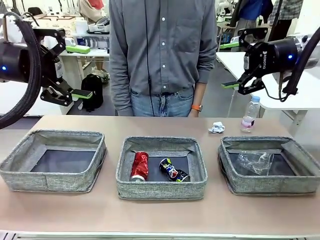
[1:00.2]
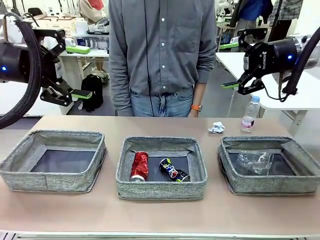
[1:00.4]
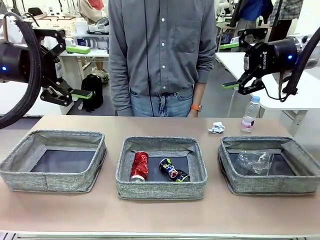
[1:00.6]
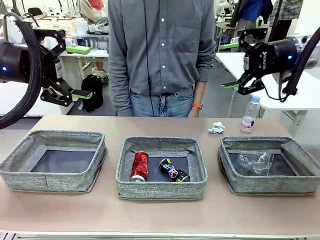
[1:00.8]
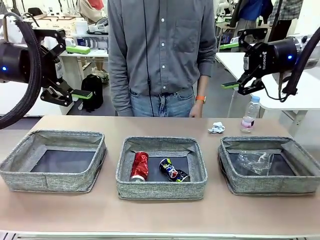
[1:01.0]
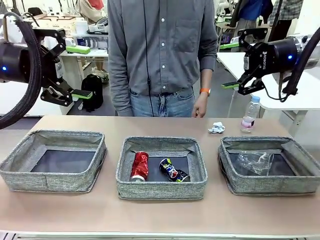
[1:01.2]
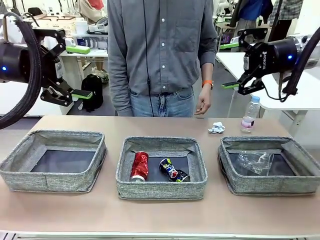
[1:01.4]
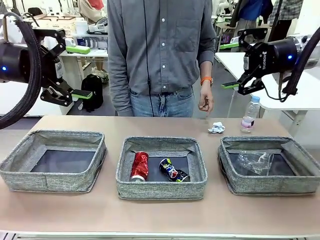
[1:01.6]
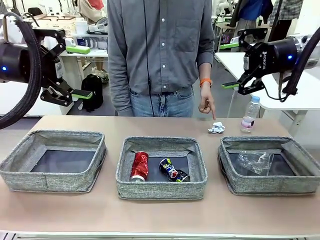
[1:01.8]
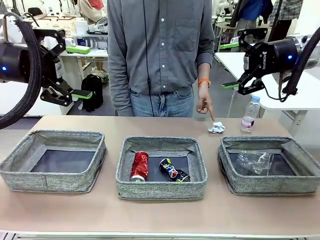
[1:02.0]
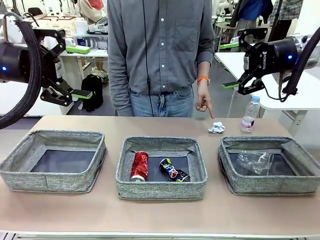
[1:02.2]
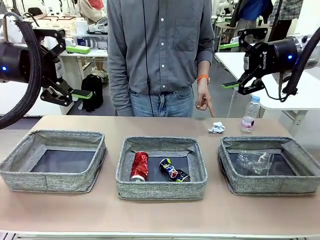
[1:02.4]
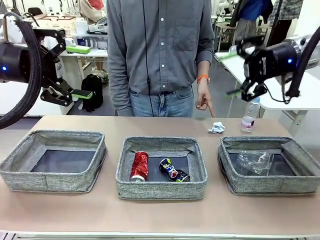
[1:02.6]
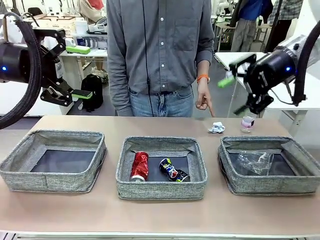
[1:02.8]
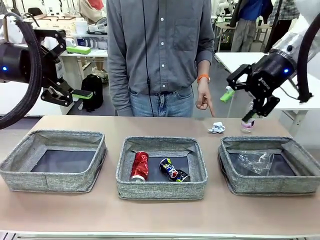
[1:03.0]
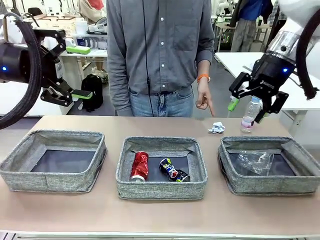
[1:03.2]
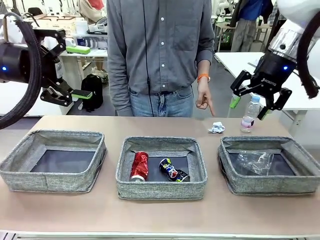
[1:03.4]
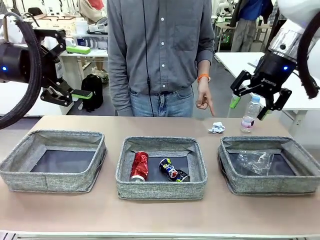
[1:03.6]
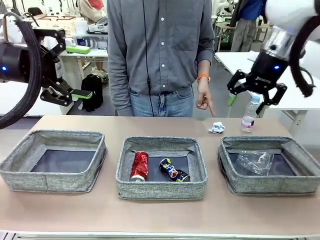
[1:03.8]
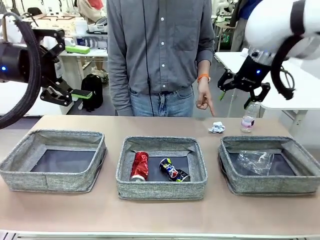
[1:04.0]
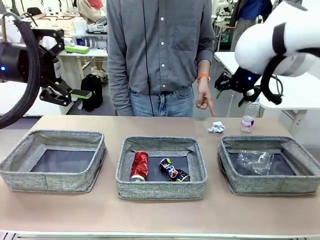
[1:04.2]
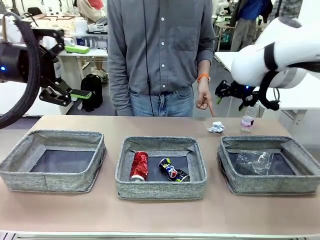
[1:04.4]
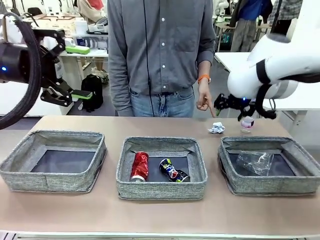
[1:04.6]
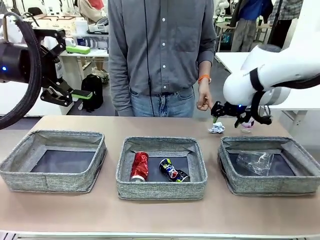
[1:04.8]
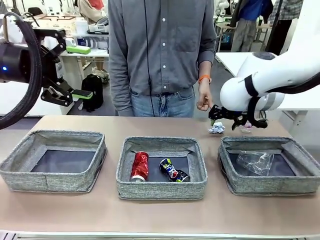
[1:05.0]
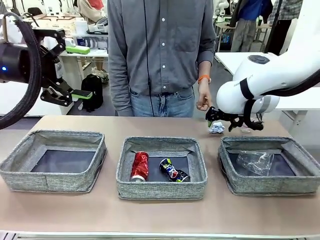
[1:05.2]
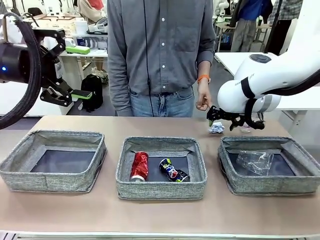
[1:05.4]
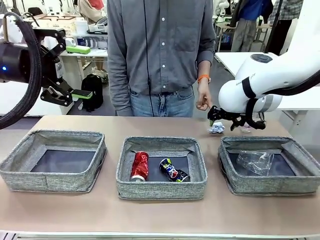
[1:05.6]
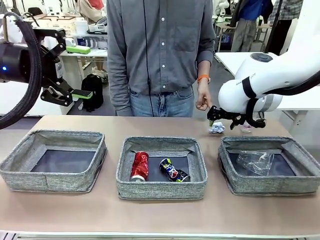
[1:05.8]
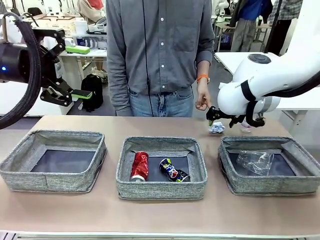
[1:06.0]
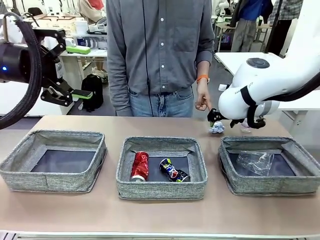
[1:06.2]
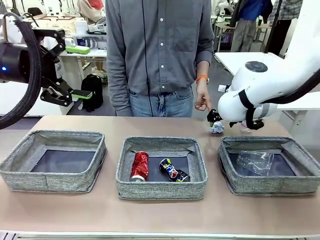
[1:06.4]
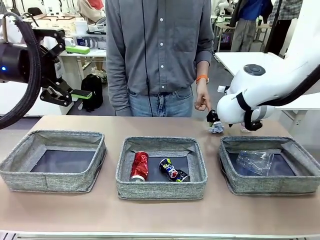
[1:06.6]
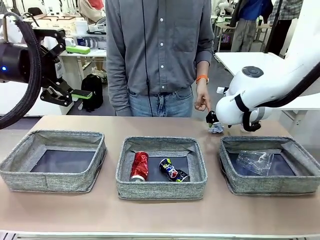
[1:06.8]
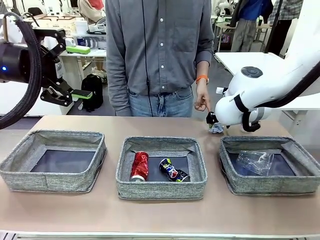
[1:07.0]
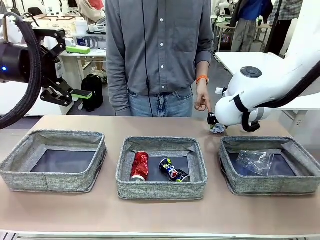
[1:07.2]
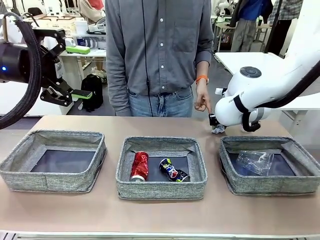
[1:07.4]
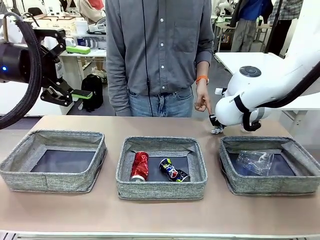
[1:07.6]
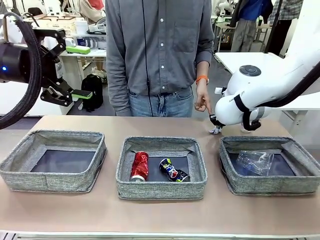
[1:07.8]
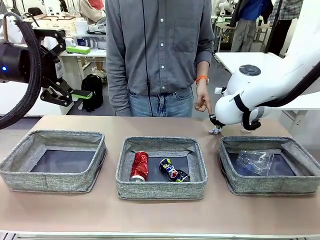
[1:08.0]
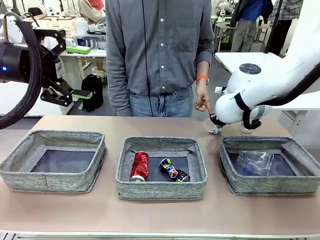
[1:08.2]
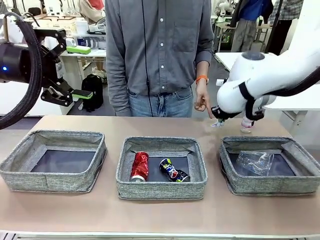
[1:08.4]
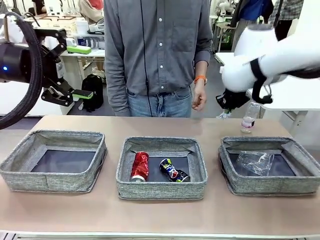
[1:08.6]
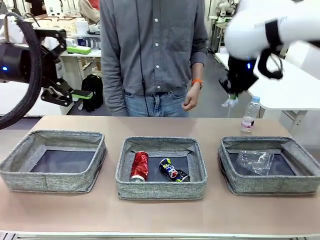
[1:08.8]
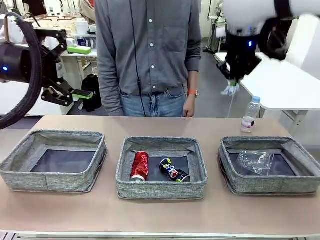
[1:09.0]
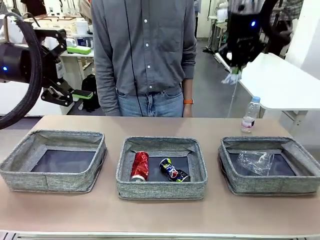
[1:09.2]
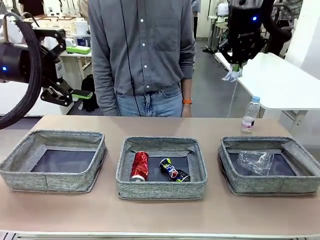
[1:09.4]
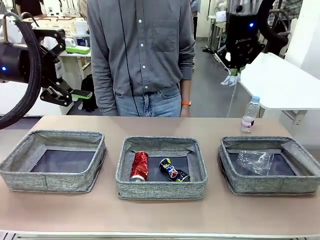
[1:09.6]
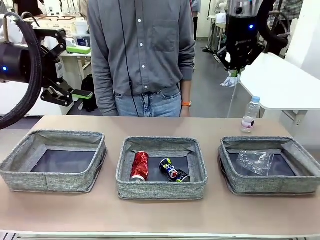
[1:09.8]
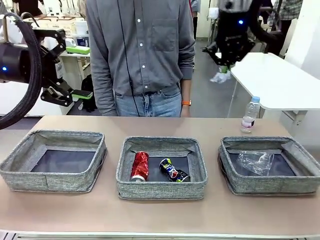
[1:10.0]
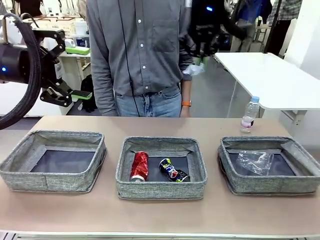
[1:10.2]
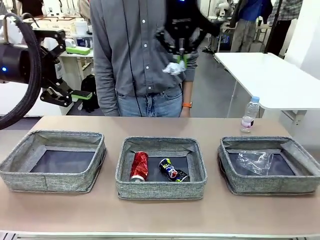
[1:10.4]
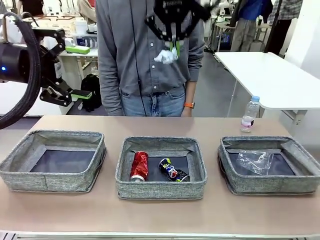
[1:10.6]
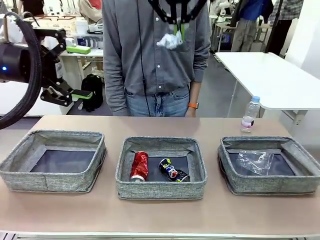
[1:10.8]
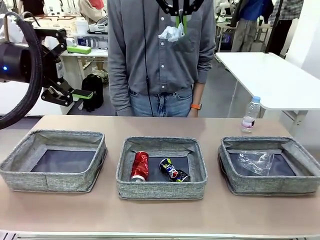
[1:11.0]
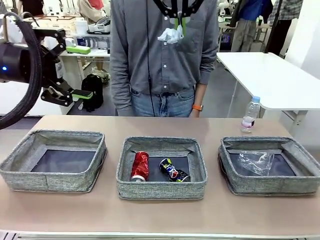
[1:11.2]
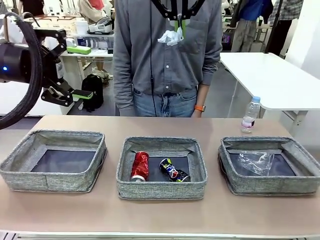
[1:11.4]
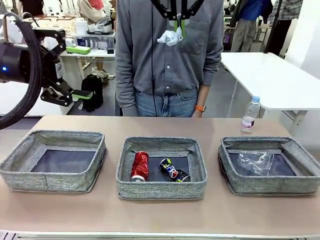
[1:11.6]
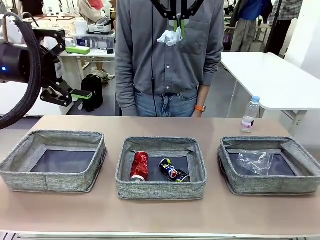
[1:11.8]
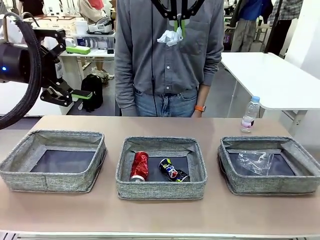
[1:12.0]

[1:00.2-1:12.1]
Task: Sort the waste into the appropriate baskets.
Robot: Pick up the waste item pointed out by the person.
Person: Points to one piece of trash on the table.

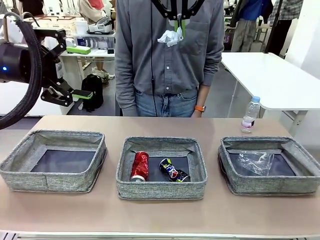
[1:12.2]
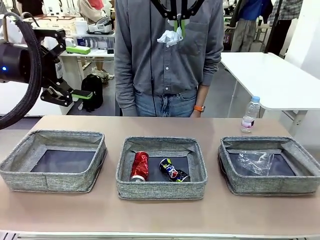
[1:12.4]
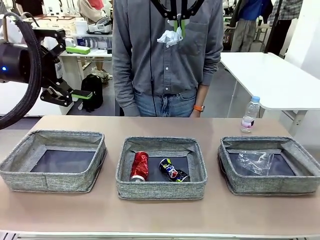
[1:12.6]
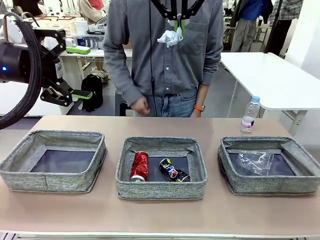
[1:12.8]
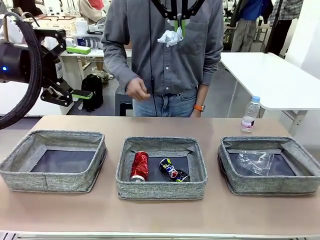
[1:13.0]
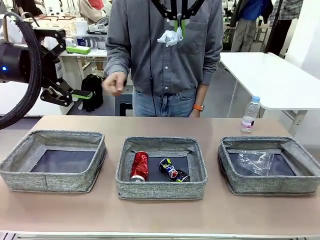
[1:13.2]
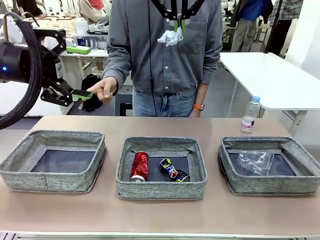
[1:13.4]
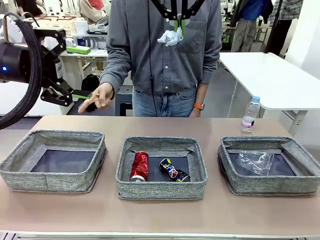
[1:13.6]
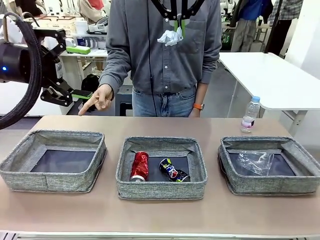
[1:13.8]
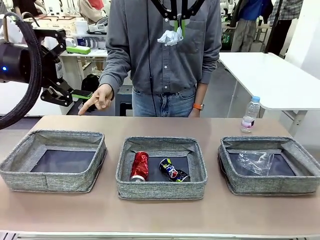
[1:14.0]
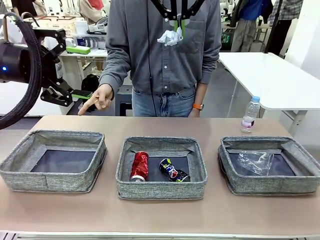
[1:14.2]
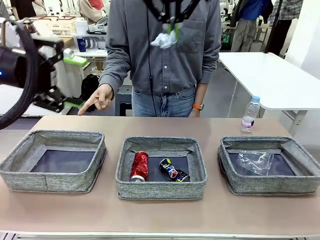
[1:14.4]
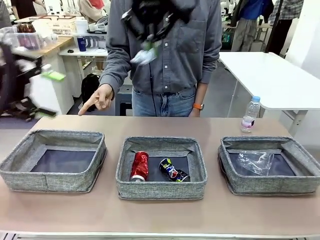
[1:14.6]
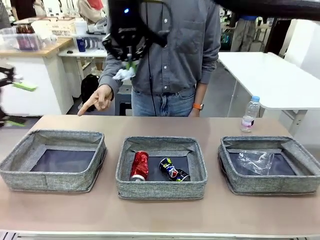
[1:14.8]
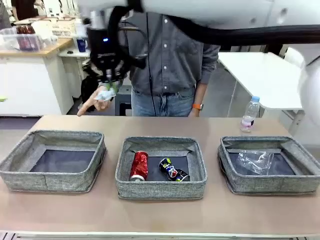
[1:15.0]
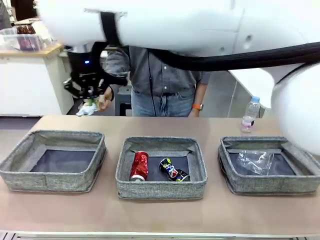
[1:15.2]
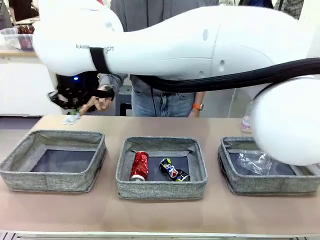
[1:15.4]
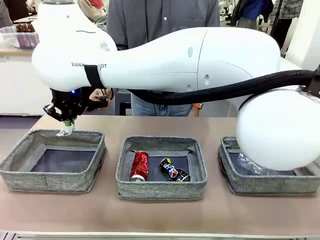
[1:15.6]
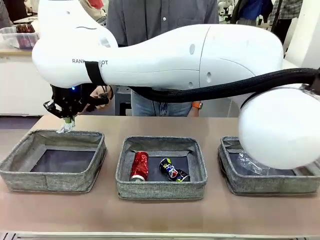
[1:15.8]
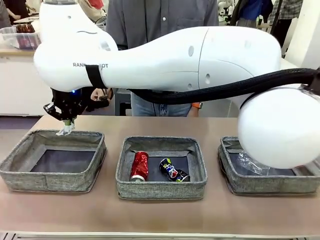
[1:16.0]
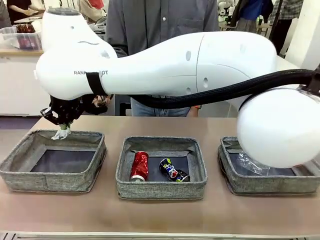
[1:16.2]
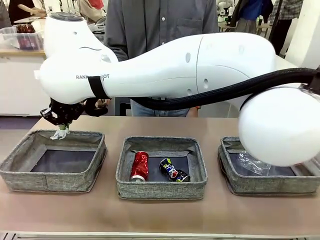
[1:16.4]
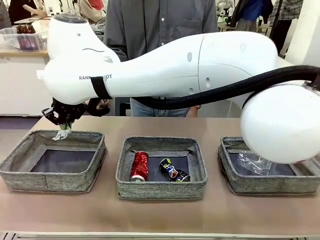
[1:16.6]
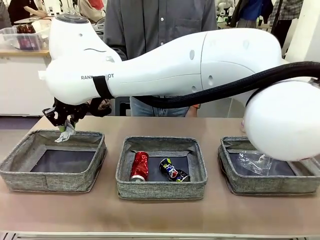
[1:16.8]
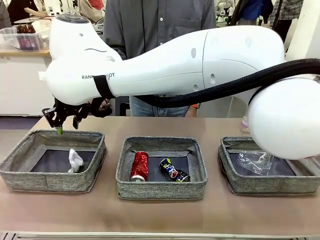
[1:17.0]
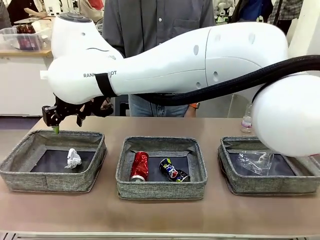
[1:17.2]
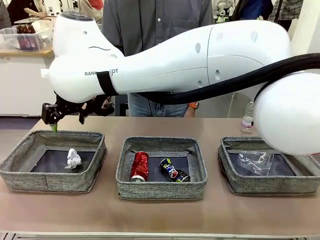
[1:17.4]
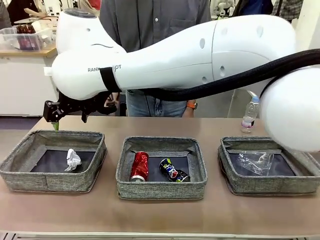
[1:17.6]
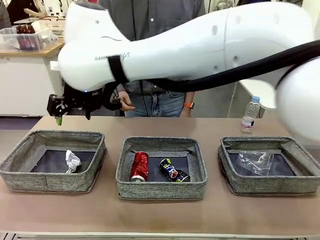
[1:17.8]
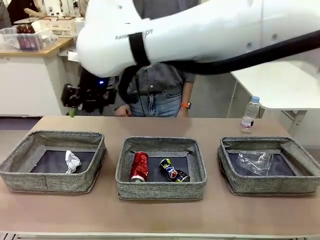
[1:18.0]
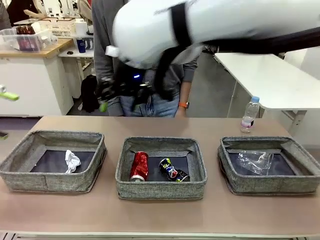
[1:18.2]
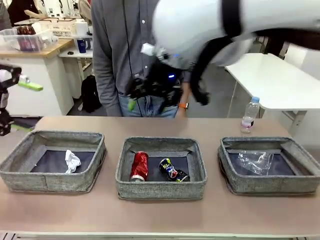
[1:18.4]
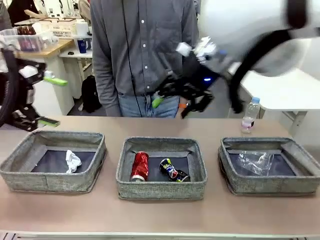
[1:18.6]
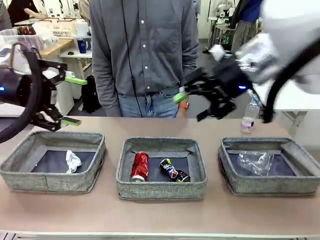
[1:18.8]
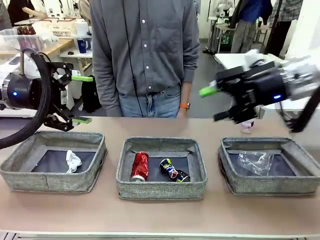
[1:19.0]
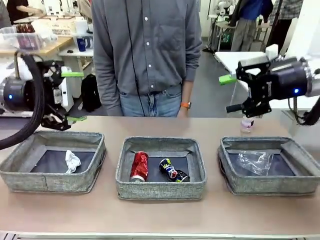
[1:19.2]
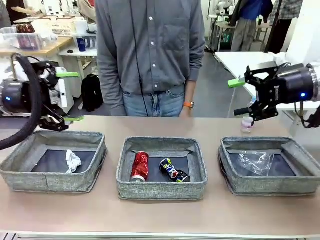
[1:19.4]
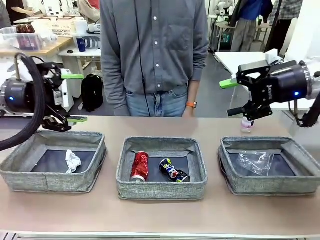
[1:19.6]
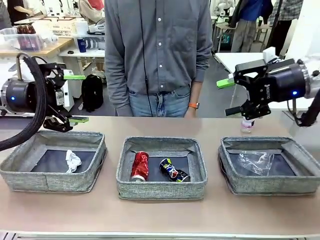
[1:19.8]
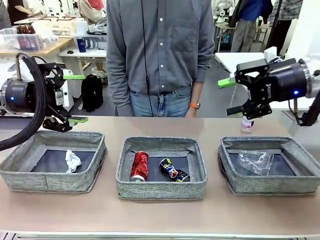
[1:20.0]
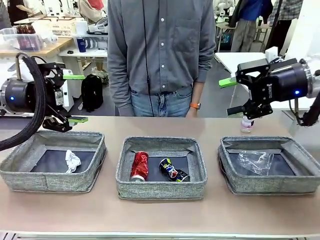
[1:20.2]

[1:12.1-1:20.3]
Robot: Place the picked waste into the Fabric basket indicated by the person.
Person: Instructs the robot to place the picked-up trash into the appropriate organizing basket.
